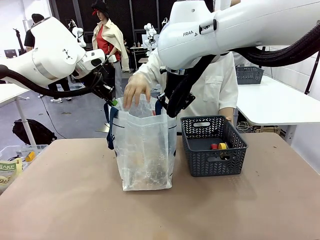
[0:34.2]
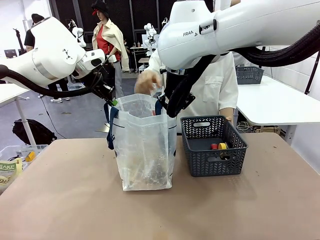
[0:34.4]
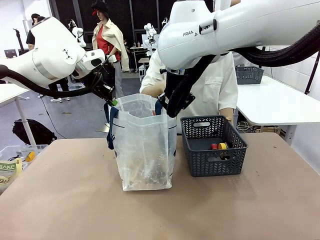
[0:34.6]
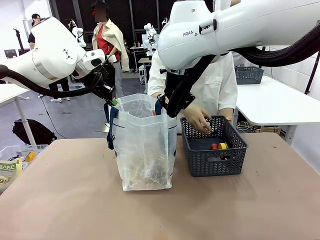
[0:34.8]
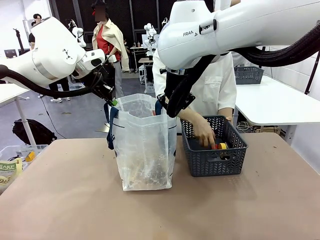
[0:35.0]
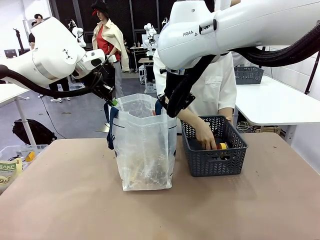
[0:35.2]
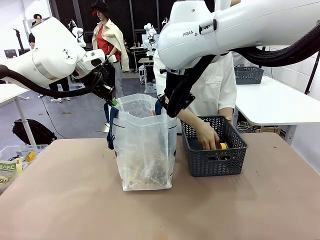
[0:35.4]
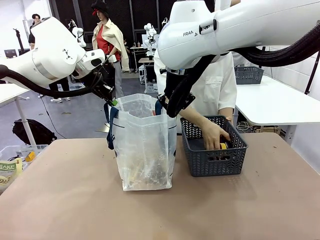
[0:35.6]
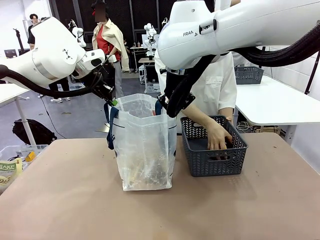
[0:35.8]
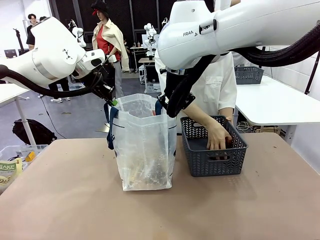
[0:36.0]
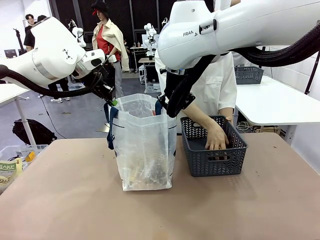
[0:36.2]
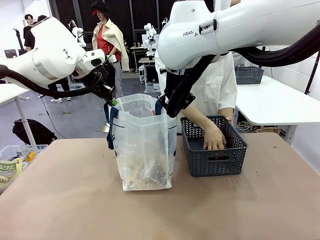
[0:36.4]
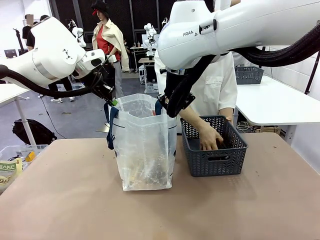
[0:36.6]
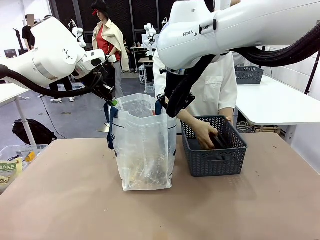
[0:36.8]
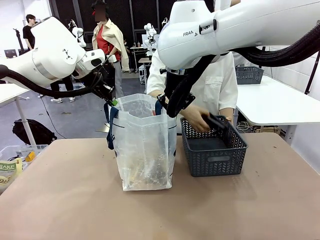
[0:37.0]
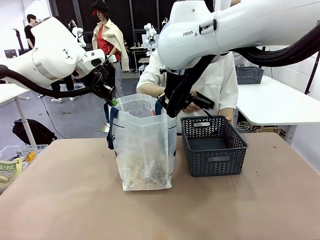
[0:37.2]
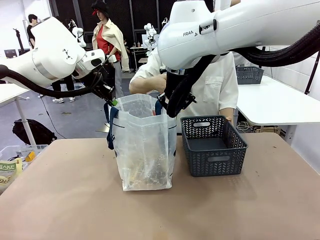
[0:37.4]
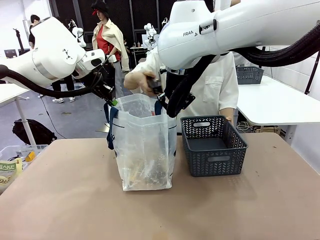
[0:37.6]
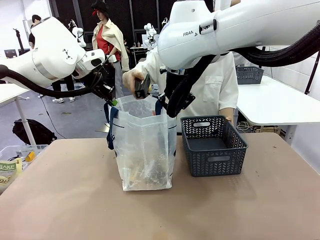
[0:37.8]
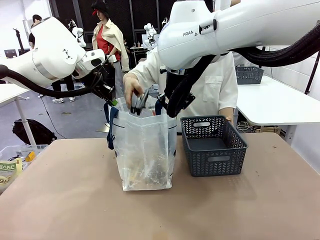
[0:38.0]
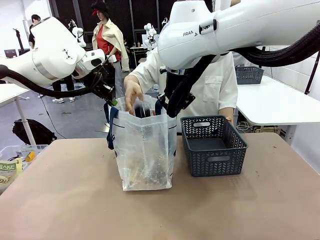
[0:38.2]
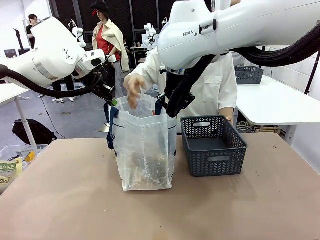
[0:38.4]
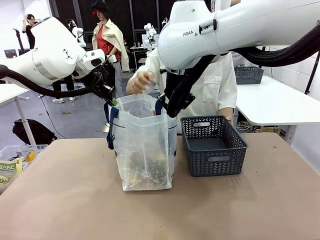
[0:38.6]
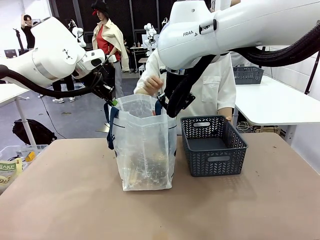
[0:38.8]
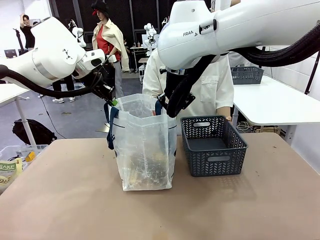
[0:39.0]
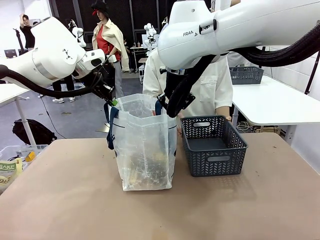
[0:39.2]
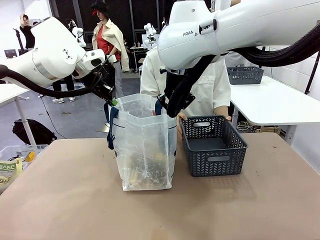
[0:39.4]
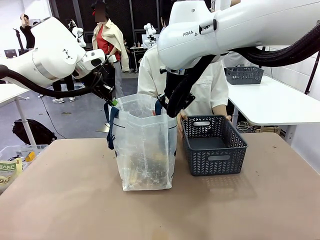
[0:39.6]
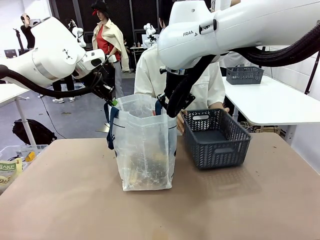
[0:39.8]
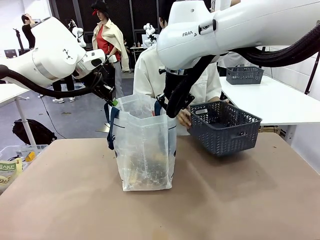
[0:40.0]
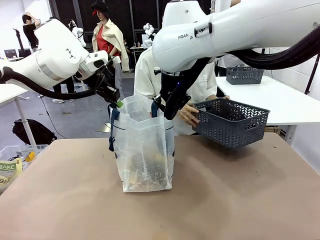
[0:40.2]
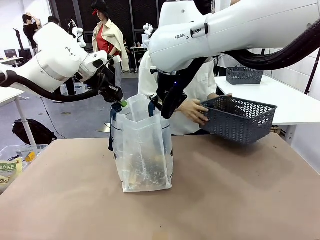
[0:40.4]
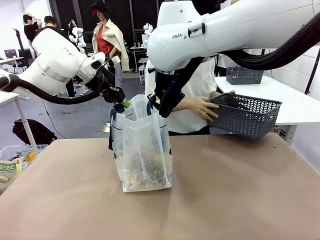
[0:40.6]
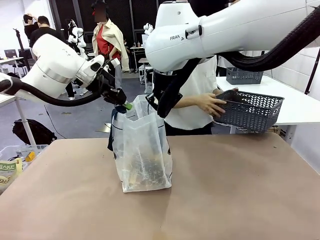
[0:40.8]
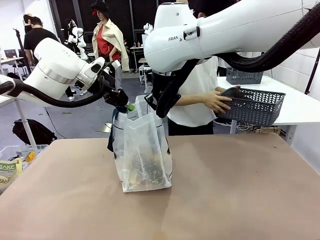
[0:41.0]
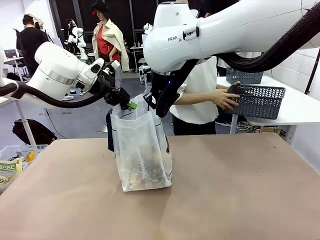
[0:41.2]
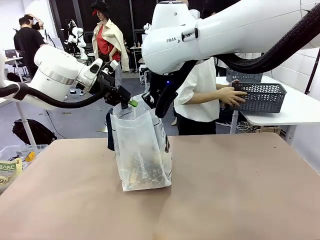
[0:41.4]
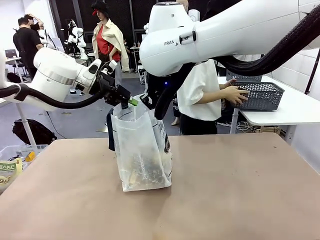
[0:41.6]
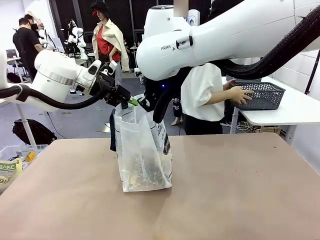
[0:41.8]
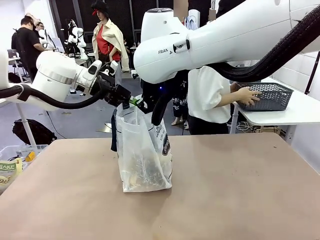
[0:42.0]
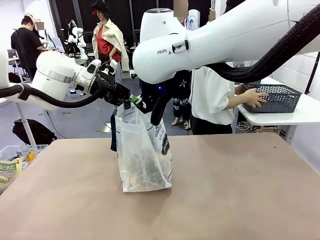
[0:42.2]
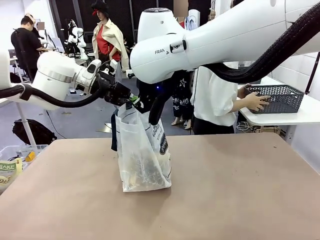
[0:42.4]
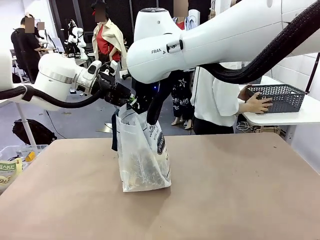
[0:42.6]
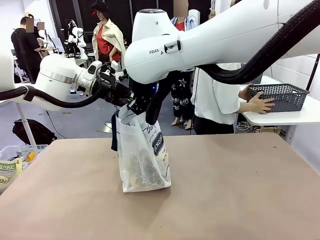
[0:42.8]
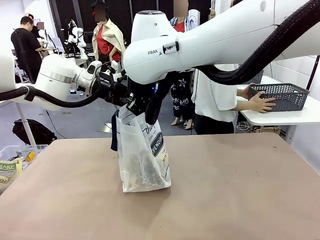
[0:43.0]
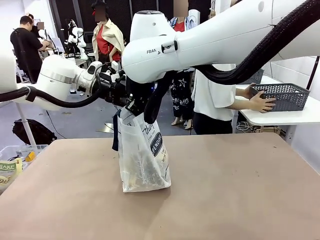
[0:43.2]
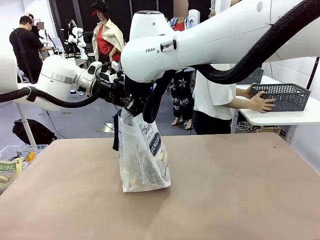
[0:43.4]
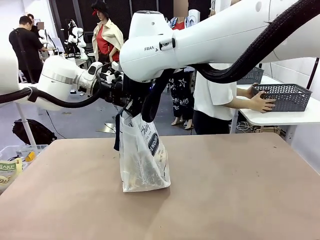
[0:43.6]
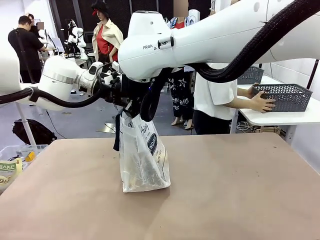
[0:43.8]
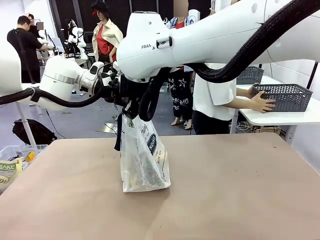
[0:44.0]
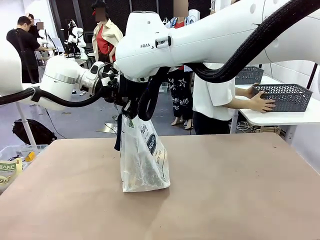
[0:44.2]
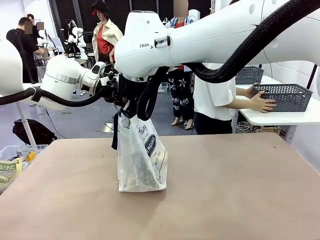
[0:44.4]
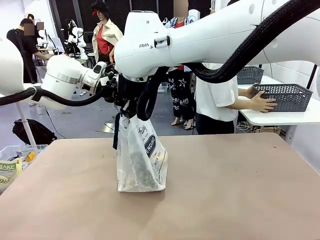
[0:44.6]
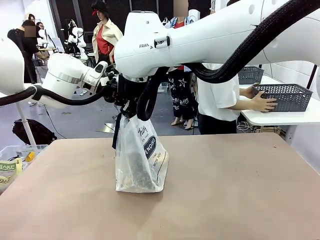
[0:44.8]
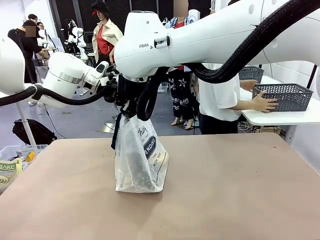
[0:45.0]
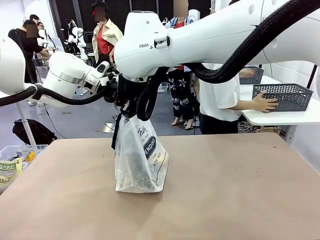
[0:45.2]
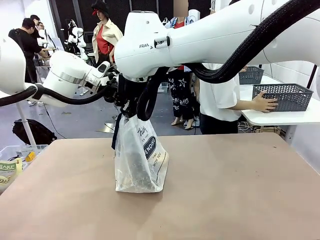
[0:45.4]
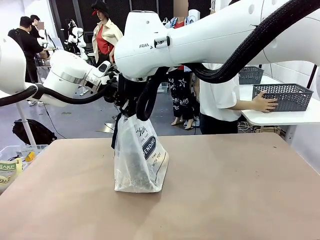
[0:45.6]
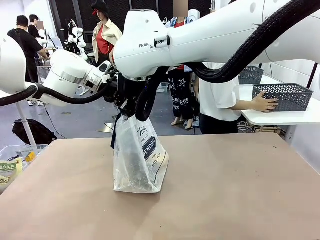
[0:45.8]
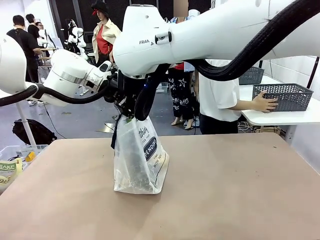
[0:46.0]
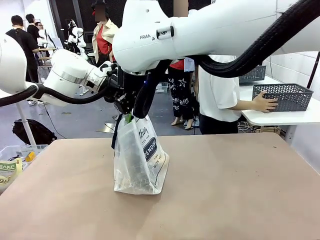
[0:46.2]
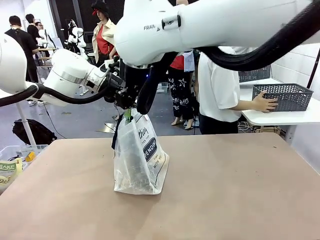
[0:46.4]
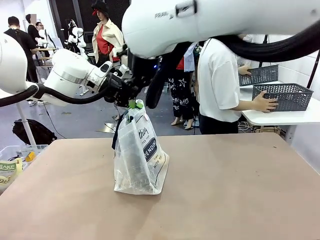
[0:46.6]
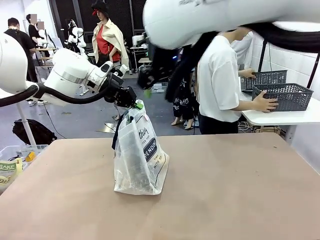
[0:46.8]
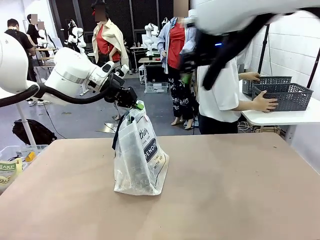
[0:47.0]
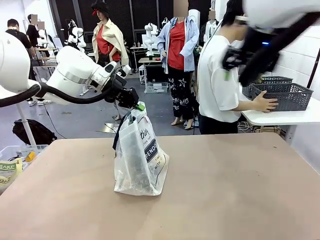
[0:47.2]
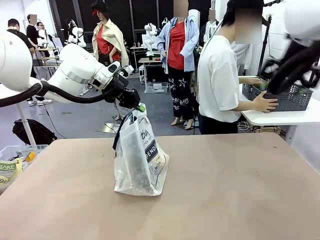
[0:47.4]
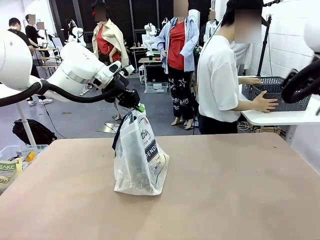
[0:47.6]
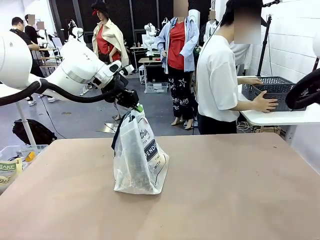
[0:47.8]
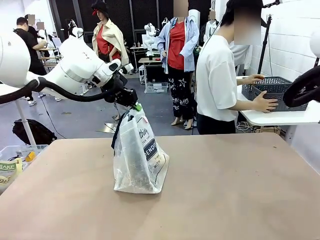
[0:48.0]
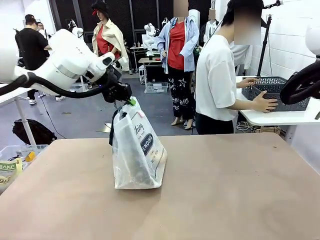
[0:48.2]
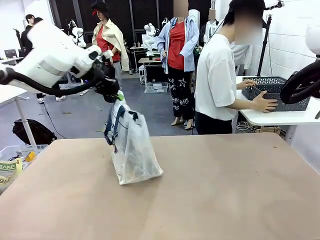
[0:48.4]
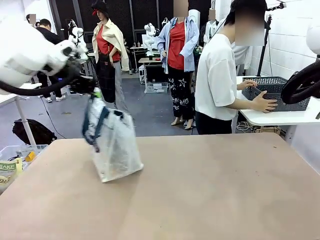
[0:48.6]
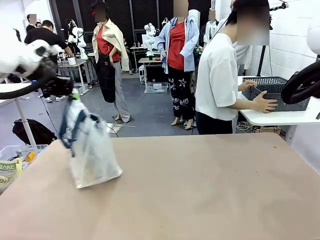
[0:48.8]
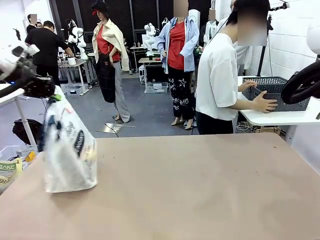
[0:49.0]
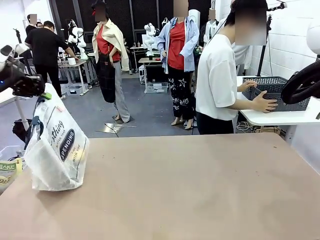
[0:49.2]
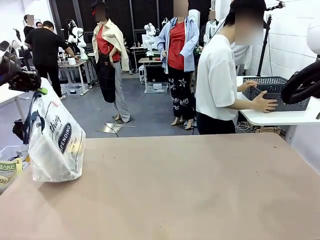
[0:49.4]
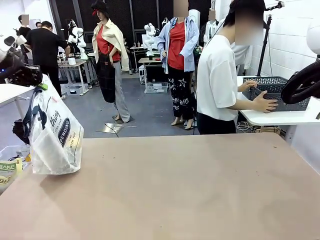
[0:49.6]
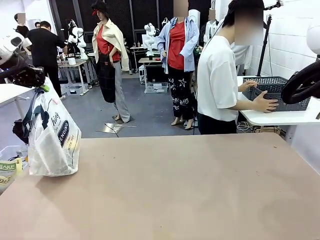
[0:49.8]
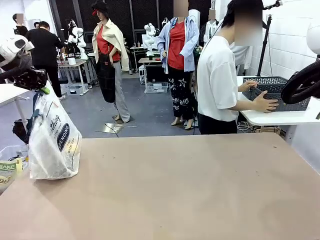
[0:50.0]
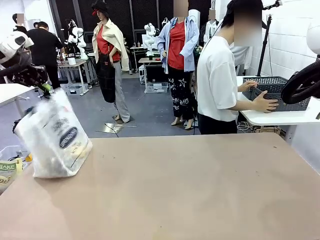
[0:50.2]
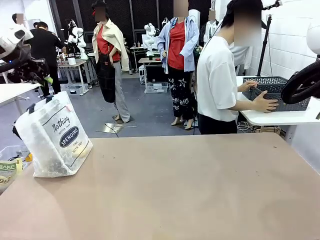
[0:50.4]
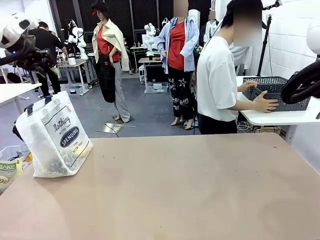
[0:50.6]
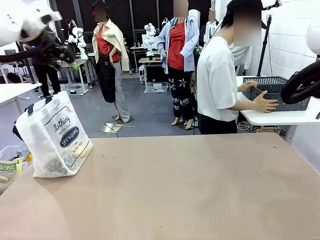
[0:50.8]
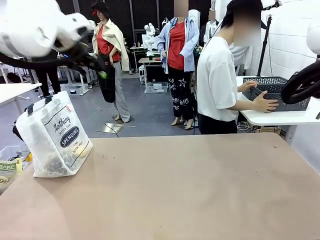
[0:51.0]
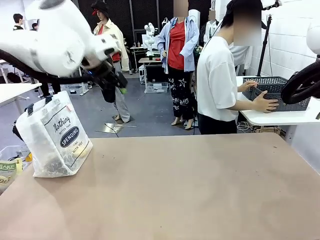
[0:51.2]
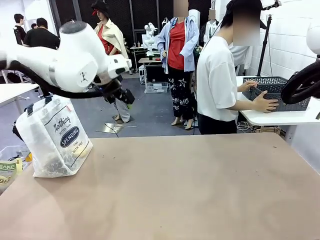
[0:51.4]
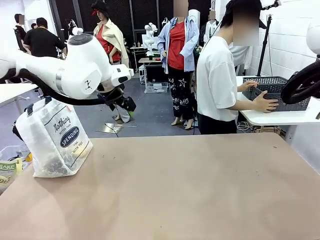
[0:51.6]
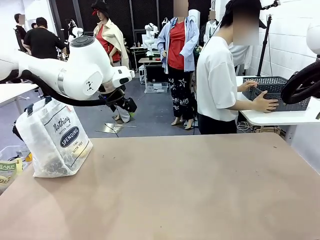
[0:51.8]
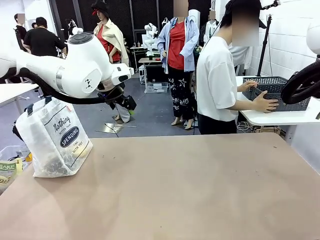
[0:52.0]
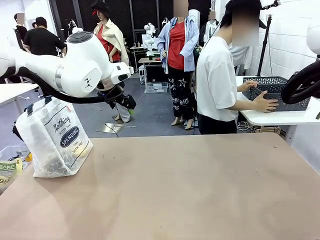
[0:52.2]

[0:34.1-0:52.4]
Task: Transfer purchased items from the store into the shopping bag.
Robot: Move the Reusable shopping bag to the right side of the table.
Person: Move the basket on the left to the middle of the person's table.
